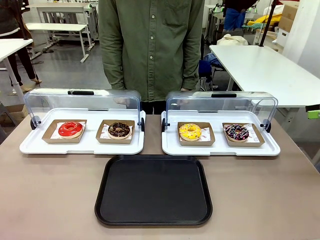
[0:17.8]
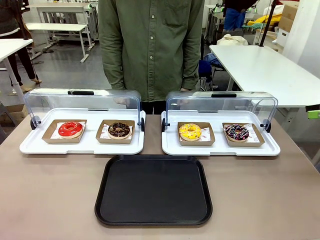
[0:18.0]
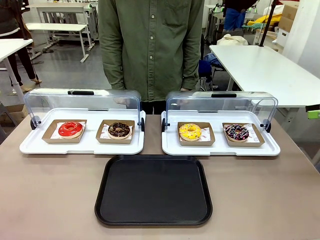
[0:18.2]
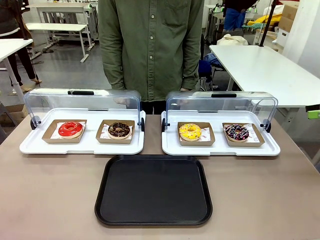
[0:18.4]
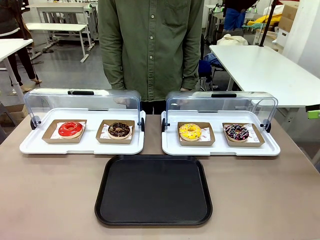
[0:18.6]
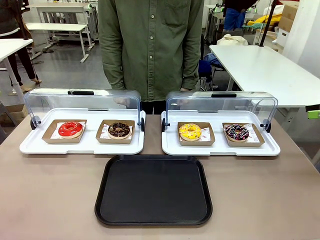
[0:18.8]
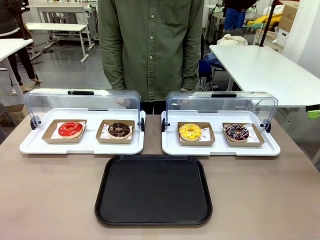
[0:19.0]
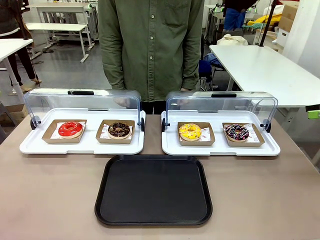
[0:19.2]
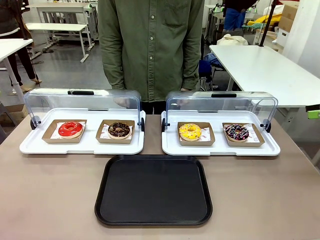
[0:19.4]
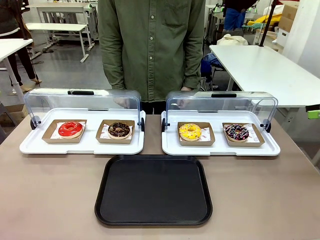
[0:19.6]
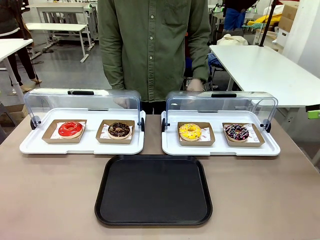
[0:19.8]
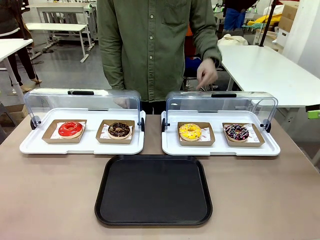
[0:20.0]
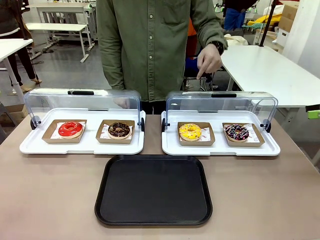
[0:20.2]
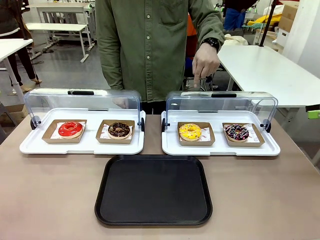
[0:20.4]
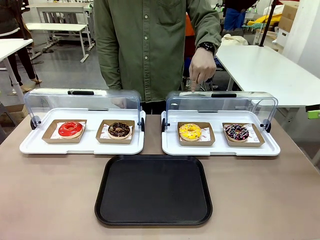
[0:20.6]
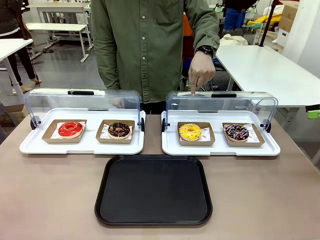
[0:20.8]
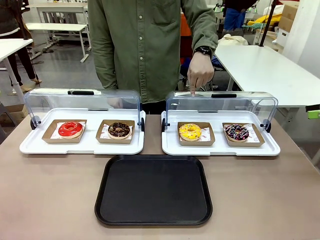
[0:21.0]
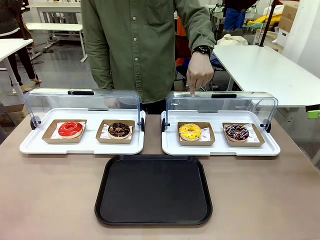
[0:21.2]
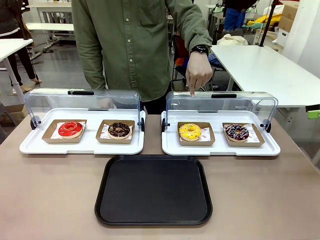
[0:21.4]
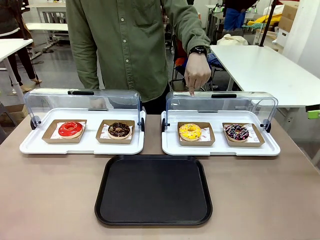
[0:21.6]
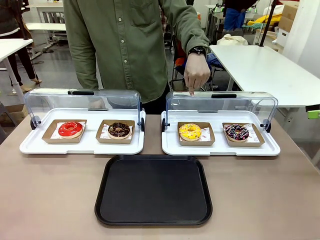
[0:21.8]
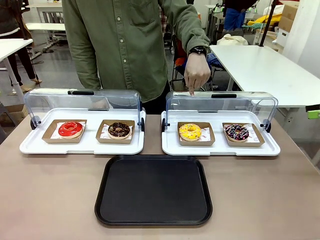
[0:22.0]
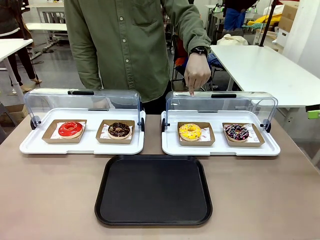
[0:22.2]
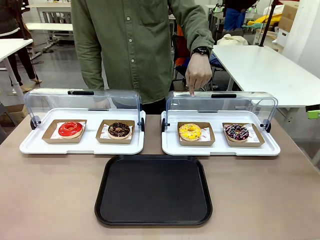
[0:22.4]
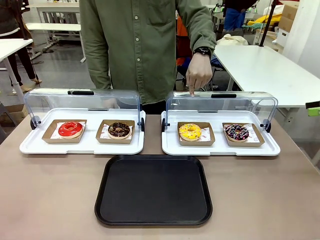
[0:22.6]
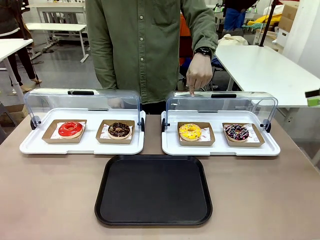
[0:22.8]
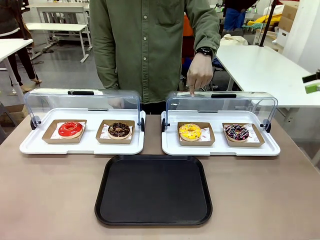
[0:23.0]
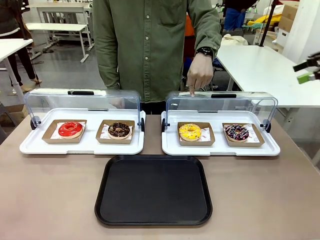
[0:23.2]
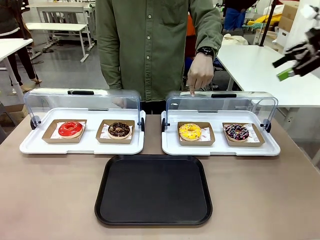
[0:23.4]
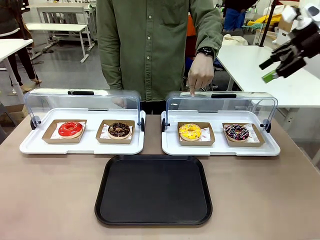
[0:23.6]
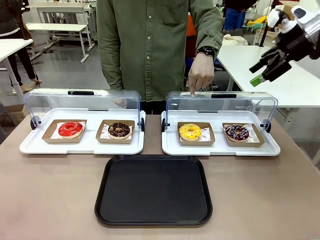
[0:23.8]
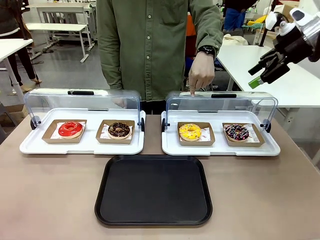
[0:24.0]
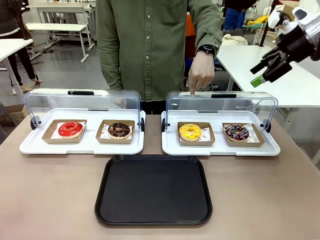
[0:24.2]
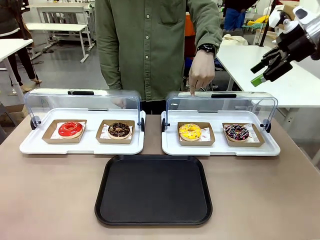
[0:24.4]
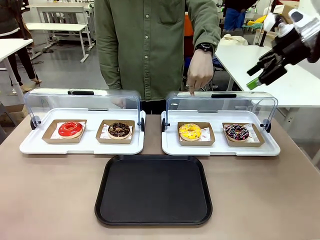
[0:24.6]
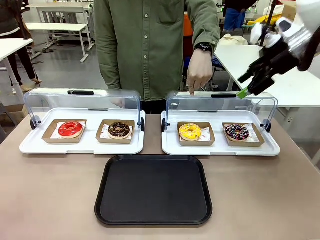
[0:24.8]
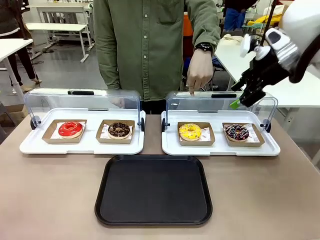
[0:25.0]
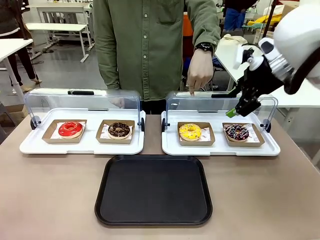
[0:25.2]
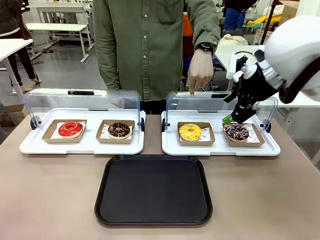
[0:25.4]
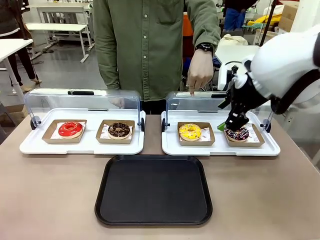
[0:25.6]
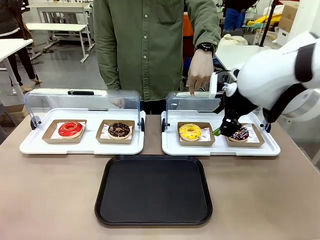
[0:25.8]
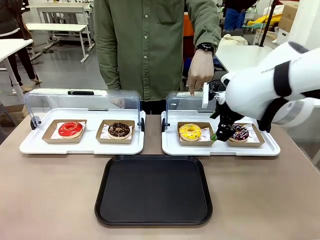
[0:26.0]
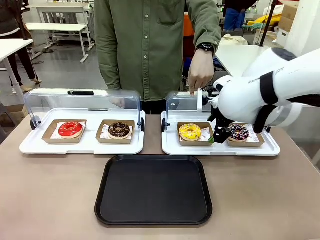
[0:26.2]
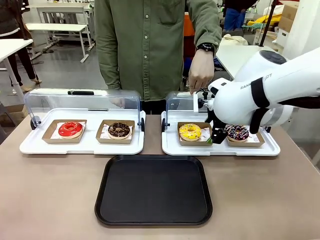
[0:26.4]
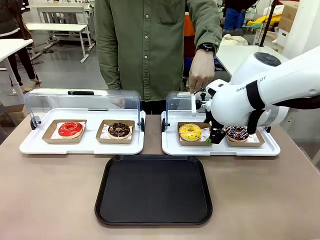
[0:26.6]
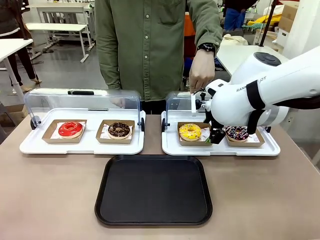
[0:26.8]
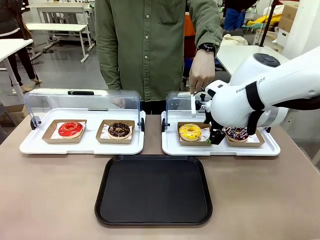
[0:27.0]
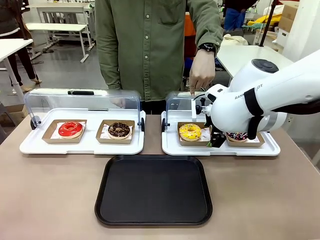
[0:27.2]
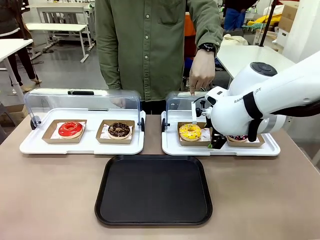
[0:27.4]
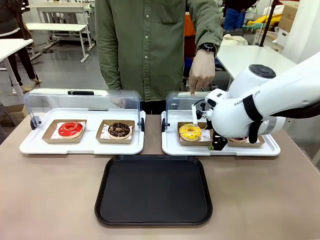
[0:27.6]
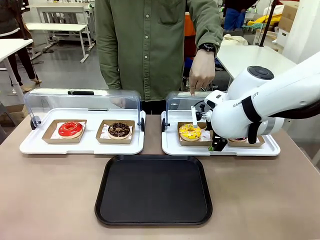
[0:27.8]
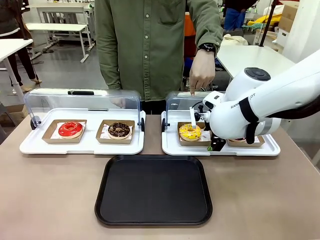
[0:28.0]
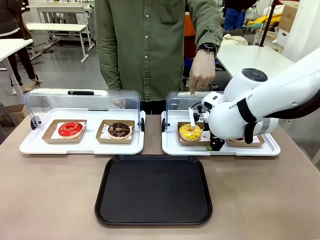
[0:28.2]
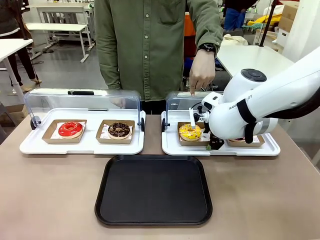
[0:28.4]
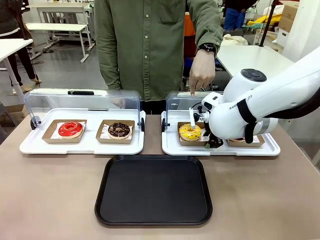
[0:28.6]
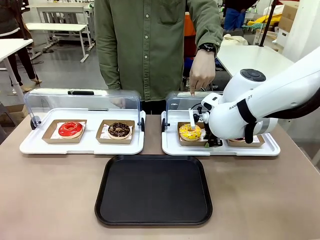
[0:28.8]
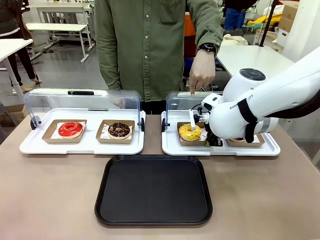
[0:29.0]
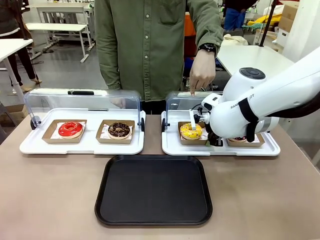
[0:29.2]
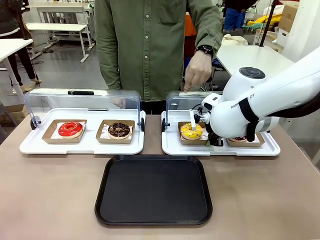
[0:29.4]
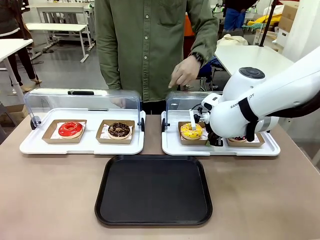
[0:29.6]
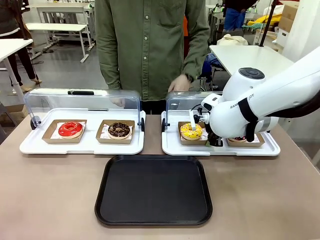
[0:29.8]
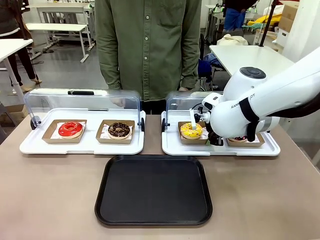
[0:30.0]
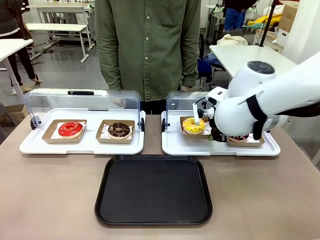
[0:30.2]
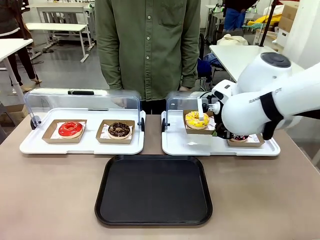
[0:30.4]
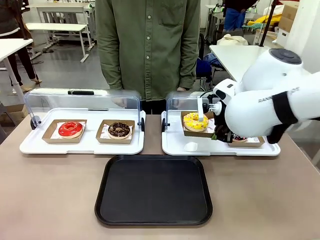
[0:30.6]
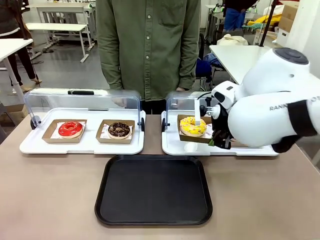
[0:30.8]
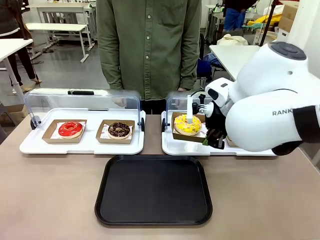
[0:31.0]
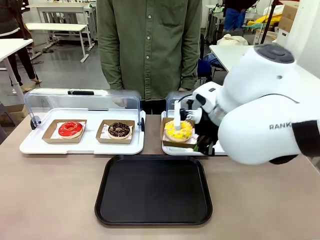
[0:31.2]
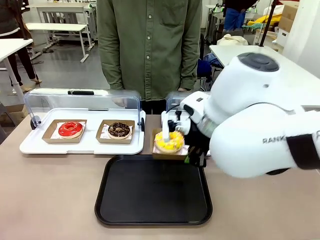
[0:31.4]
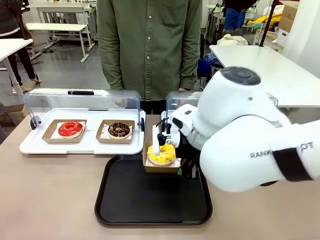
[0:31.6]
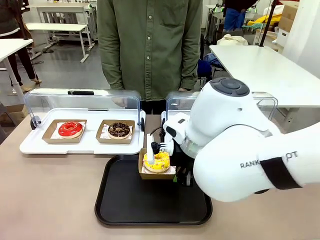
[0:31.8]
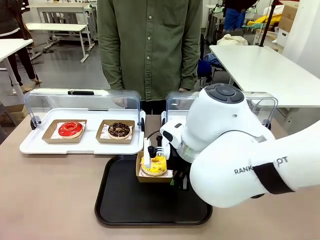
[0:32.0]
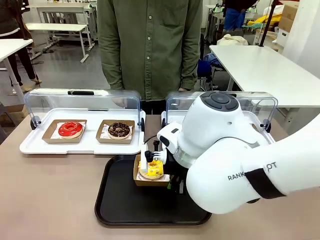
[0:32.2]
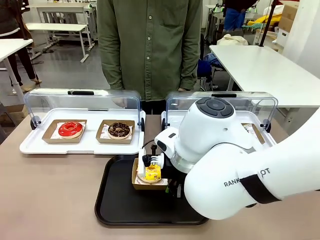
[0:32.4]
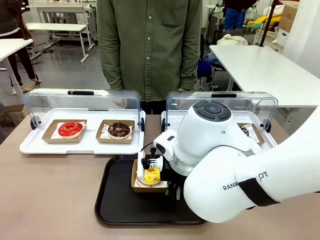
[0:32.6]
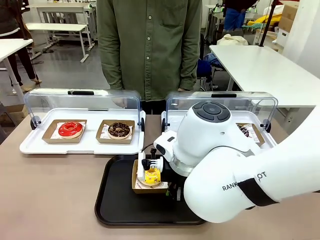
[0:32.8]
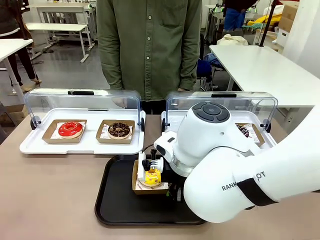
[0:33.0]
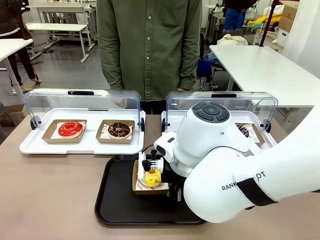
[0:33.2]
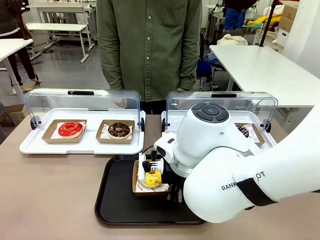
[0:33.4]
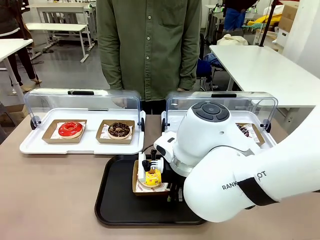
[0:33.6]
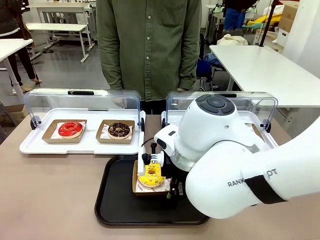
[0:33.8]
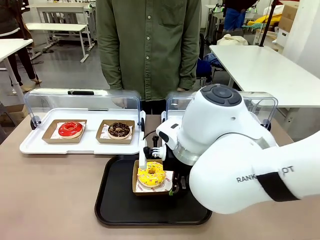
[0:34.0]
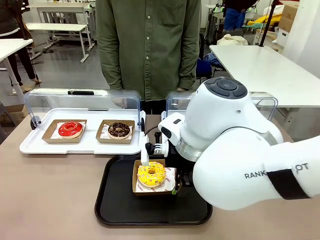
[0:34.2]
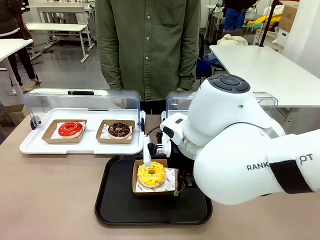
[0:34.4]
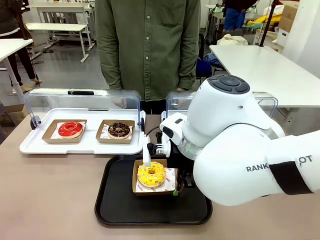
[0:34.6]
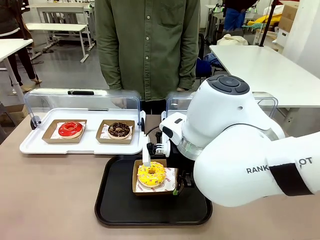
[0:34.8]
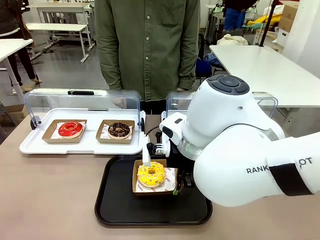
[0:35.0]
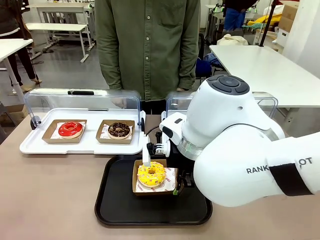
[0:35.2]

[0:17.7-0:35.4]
Task: Move the third donut from the left to the tray.
Robot: Pick up the Paper togo box containing the Donut indicated by the person and place it on the Handle tray.
